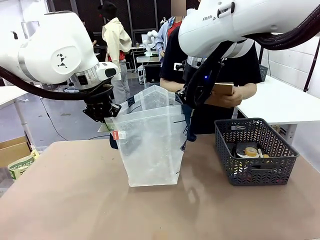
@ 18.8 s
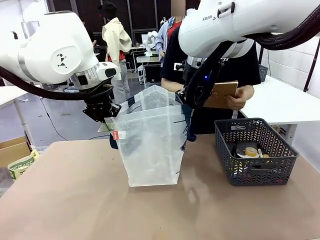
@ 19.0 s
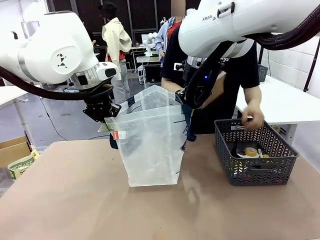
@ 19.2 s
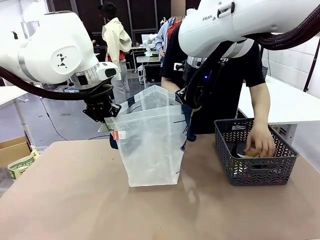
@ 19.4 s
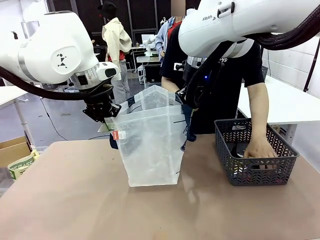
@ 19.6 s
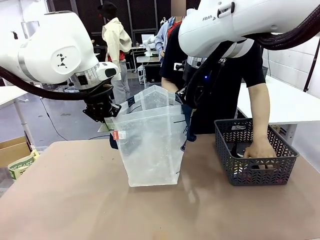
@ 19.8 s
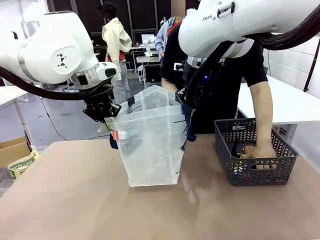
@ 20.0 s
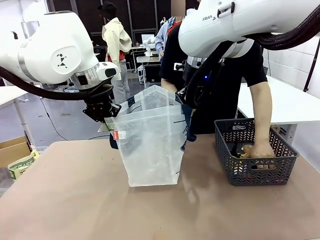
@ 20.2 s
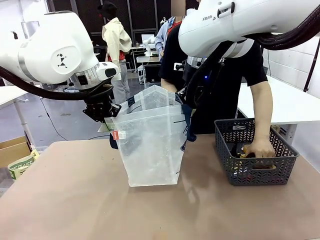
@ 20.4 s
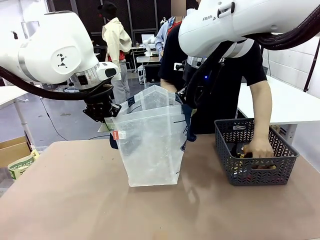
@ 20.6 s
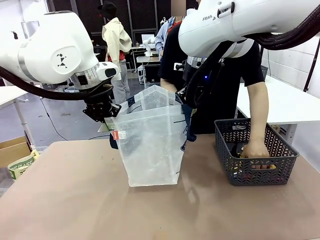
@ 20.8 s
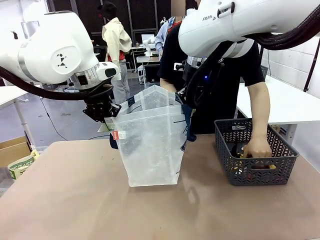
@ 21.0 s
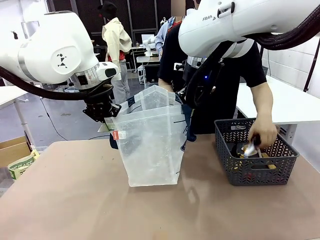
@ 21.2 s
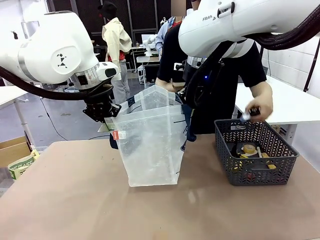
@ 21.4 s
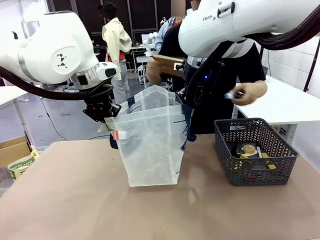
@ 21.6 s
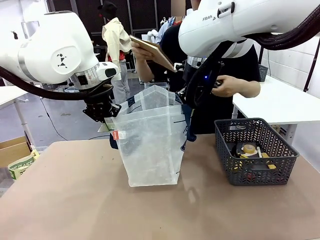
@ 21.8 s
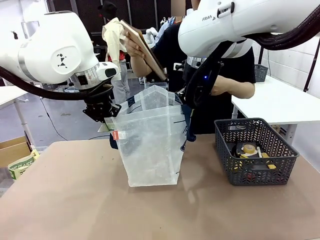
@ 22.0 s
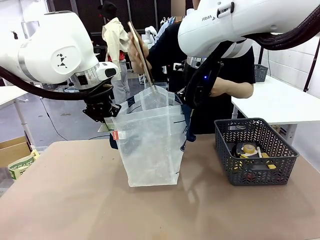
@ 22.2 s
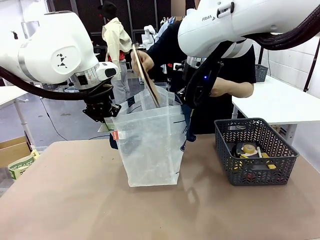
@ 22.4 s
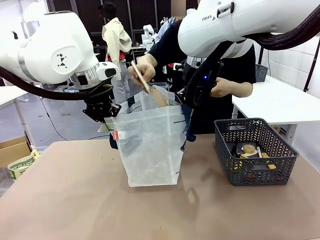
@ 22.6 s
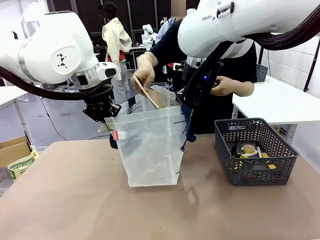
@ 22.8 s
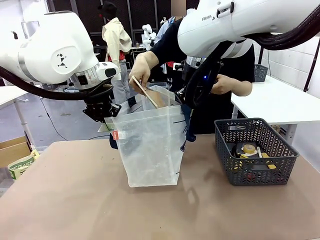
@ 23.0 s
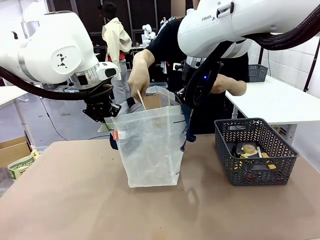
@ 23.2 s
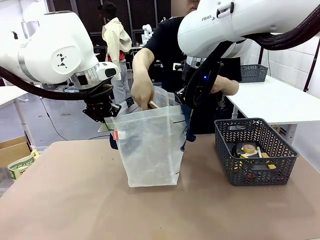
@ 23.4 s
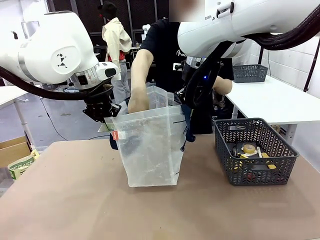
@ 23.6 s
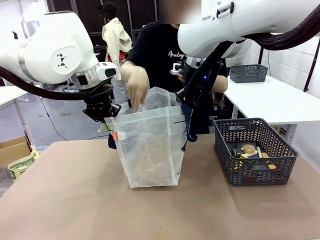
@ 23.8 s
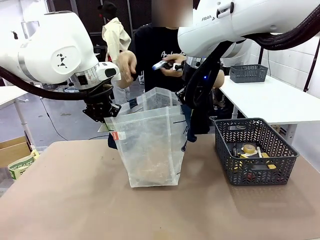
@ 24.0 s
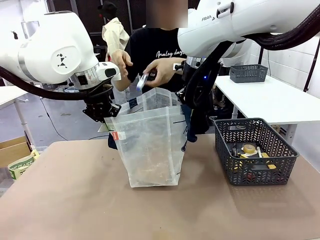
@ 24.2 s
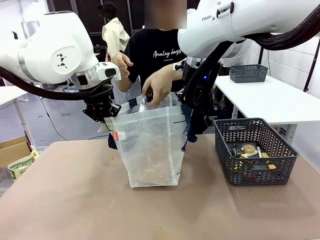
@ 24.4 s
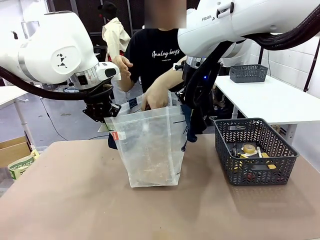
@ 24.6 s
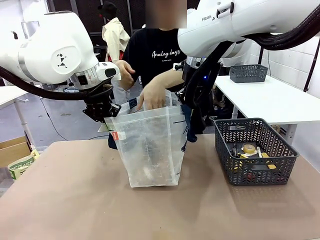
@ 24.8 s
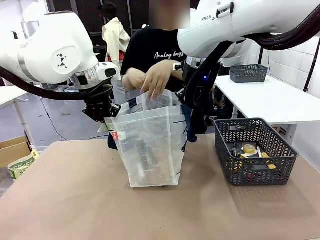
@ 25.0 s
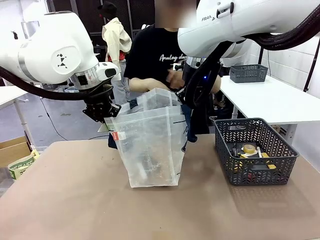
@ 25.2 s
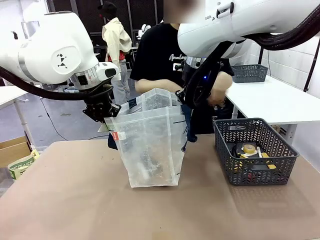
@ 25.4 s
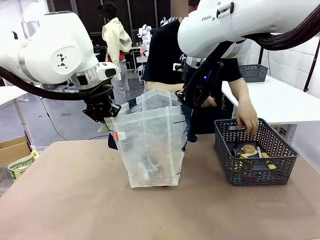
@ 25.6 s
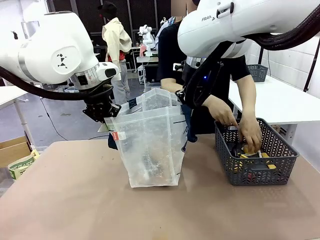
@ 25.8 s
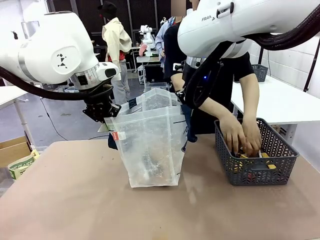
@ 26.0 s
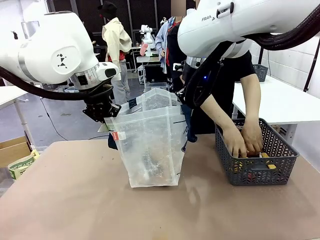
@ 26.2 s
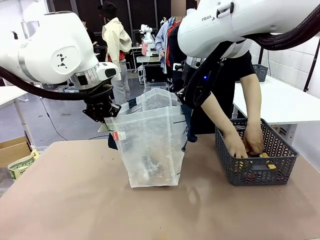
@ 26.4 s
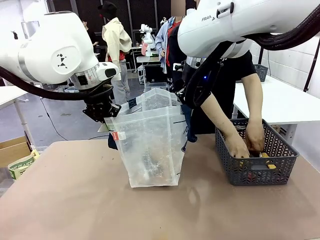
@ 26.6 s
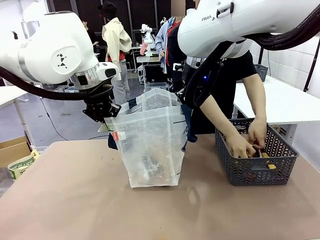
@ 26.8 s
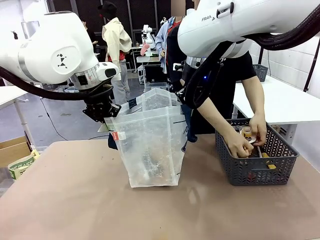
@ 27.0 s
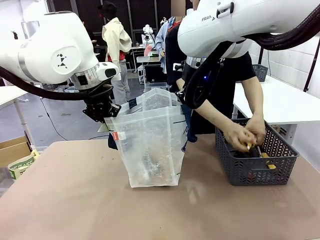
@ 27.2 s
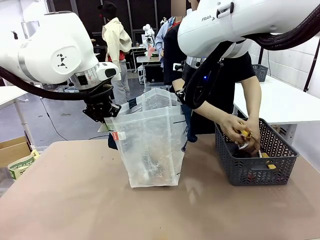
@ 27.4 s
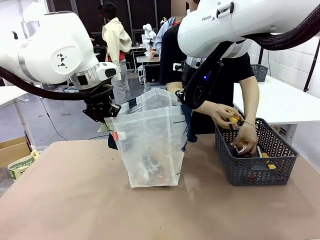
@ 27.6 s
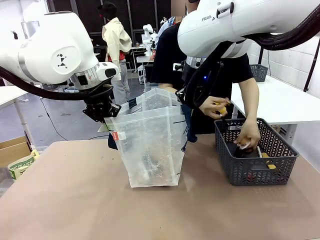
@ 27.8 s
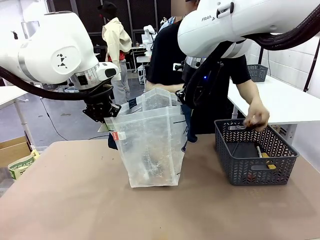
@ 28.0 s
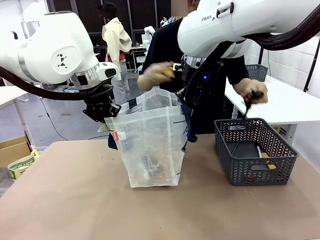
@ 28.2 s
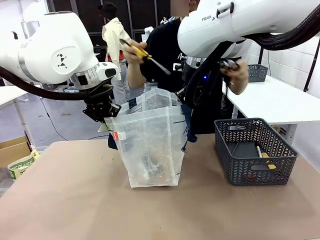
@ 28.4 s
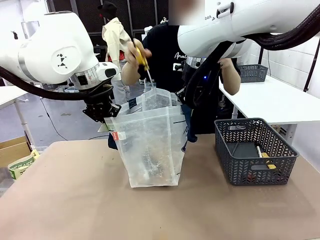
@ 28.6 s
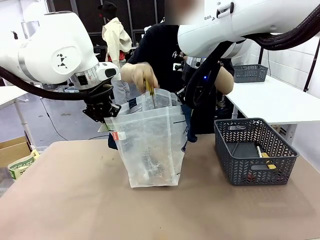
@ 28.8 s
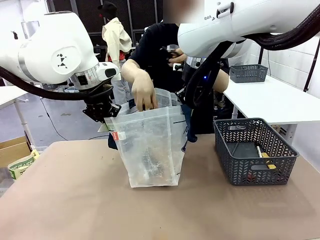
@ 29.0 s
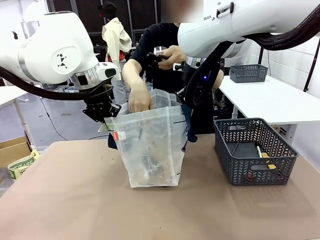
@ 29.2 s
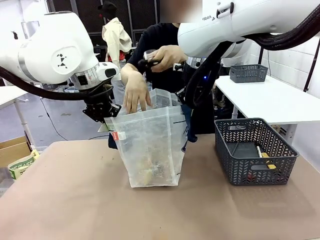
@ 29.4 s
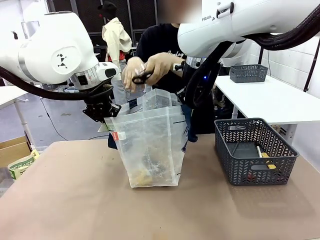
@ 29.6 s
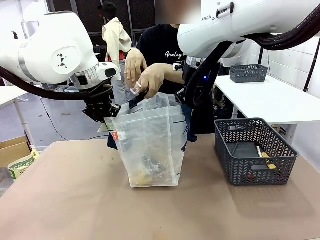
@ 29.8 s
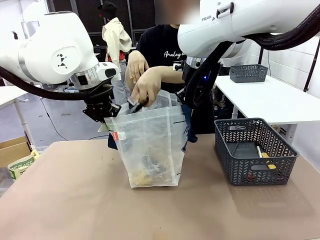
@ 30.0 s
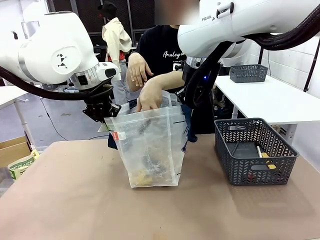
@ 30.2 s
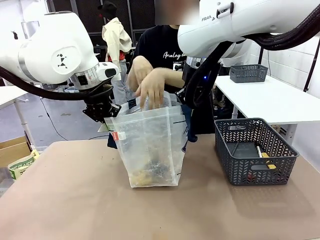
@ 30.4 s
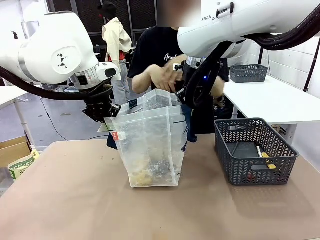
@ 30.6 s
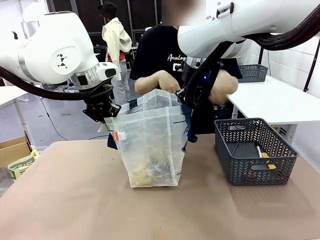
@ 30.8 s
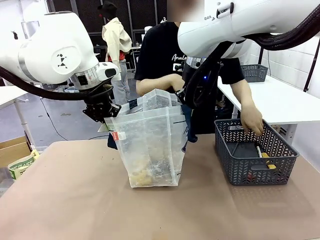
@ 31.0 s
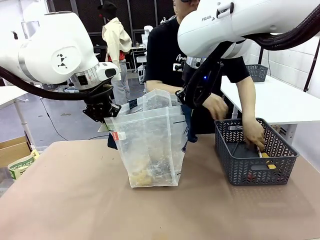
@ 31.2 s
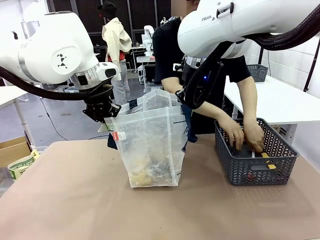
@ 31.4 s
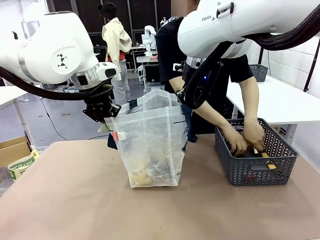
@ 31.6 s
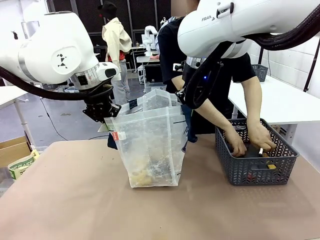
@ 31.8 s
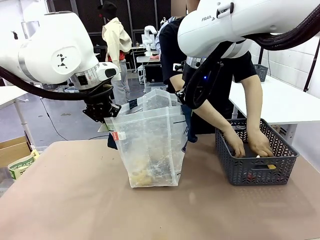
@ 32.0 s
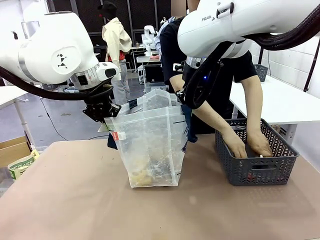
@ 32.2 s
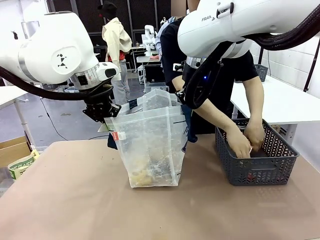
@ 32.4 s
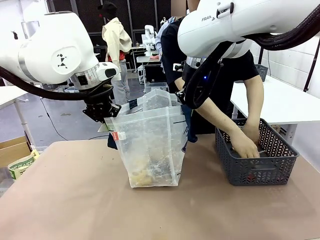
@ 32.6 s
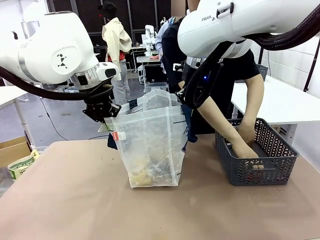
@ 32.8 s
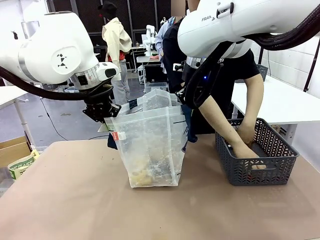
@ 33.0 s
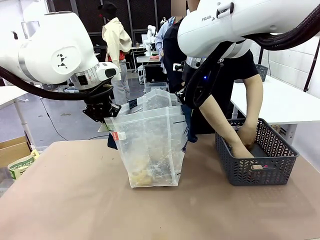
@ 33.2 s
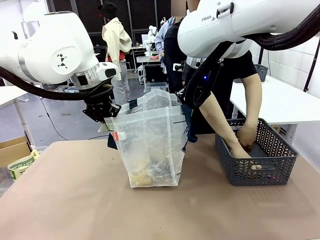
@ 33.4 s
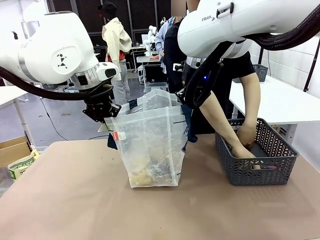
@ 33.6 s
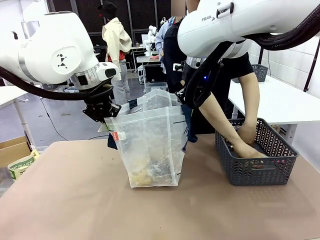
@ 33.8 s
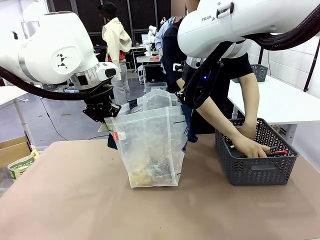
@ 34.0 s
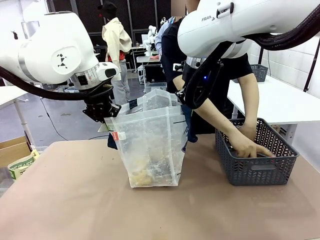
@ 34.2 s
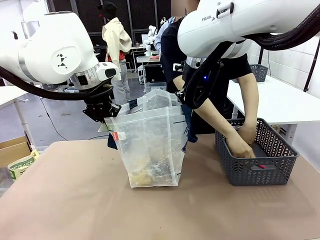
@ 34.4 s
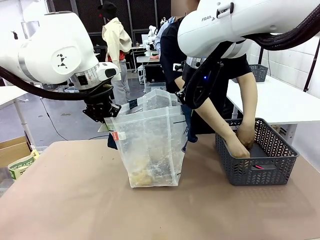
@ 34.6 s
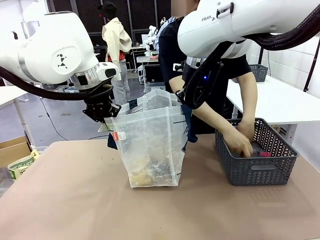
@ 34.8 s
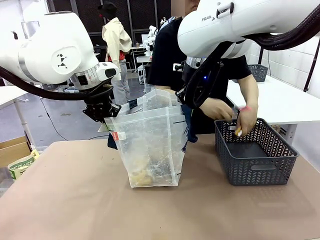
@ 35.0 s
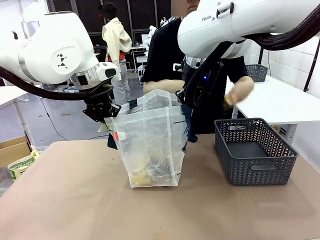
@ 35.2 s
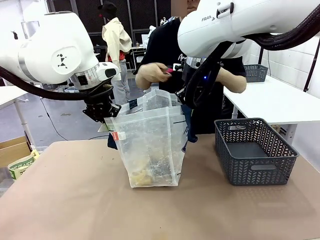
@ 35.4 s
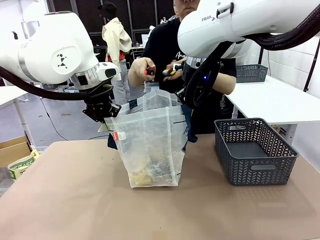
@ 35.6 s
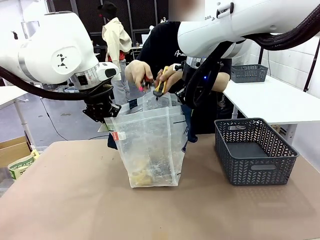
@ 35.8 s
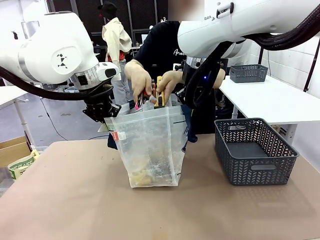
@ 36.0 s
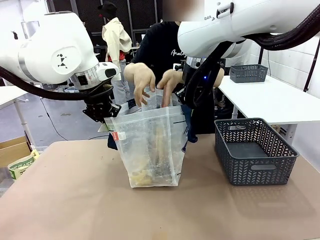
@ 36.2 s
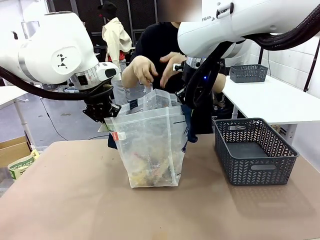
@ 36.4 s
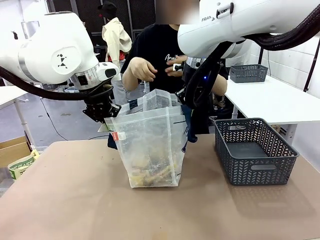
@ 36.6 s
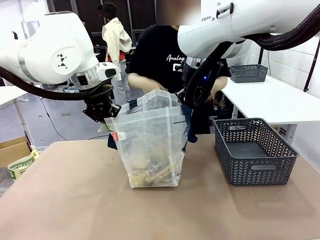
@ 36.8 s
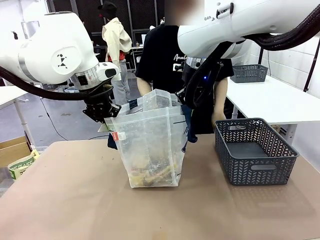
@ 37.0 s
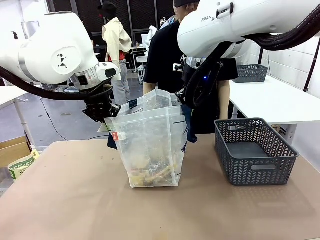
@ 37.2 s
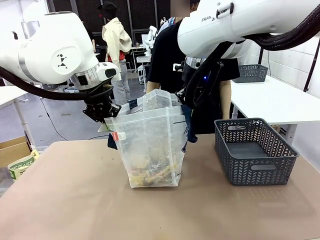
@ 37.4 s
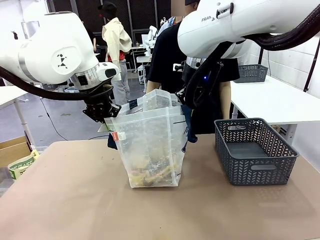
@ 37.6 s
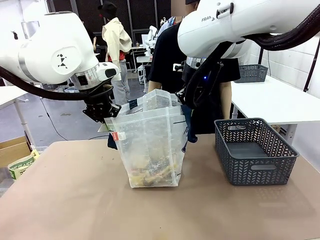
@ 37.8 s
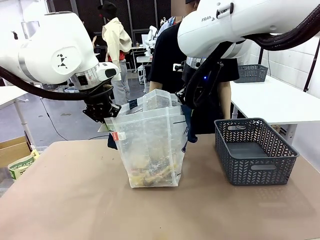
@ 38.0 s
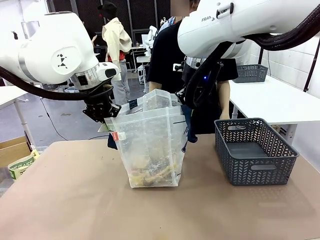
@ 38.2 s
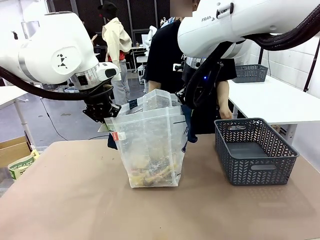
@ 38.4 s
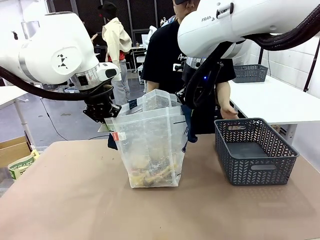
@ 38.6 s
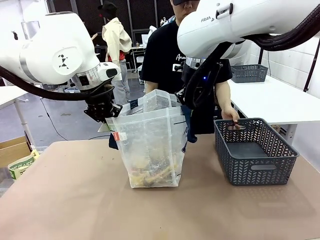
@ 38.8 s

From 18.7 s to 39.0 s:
Task: Transfer purchased items from the store into the shopping bag.
Robot: Move the Reusable shopping bag to the right side of the table.
Person: Pick up the basket on the right, place it on the left side of the robot table, and move the items in the basket to the shopping bag.
